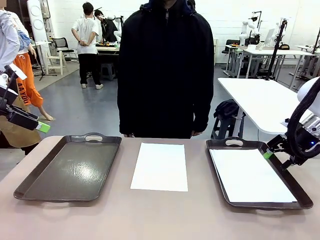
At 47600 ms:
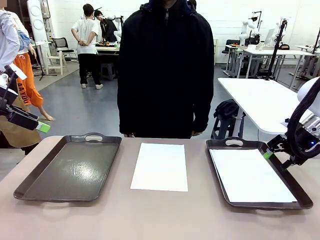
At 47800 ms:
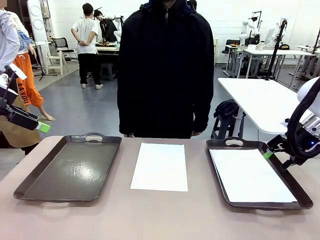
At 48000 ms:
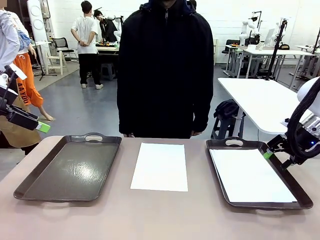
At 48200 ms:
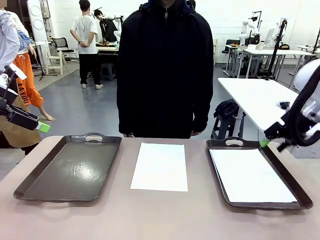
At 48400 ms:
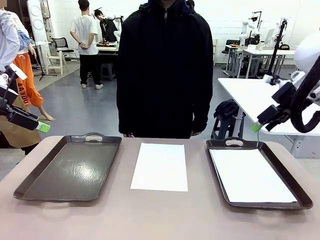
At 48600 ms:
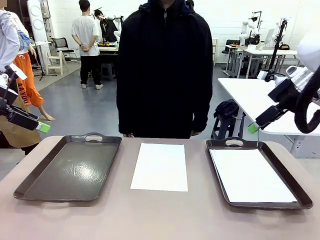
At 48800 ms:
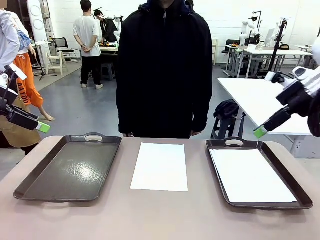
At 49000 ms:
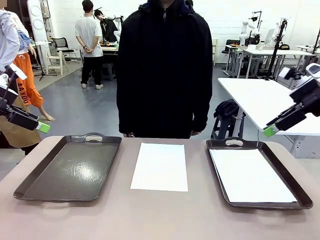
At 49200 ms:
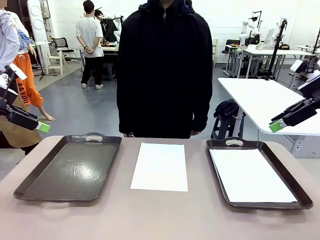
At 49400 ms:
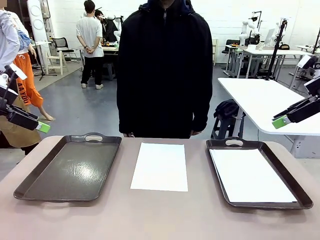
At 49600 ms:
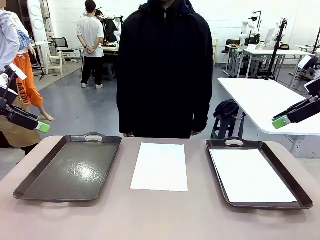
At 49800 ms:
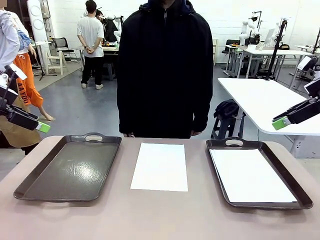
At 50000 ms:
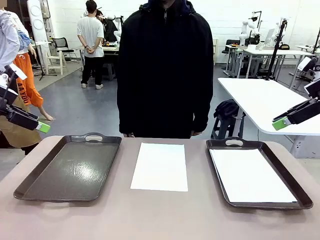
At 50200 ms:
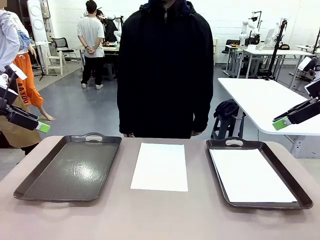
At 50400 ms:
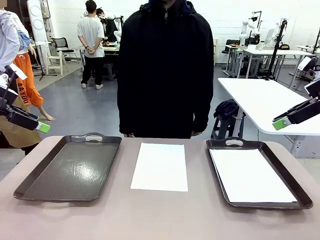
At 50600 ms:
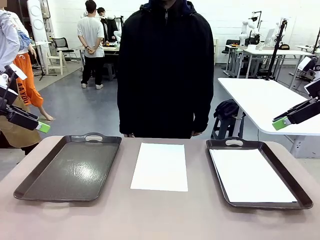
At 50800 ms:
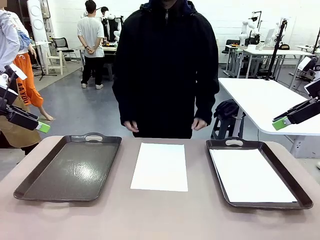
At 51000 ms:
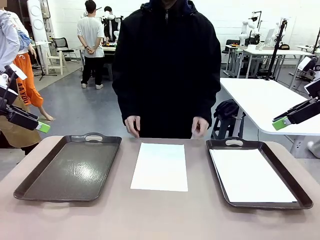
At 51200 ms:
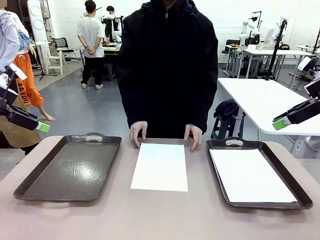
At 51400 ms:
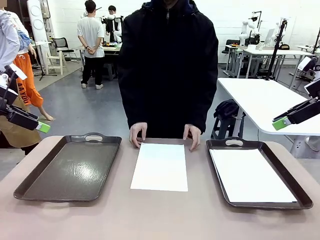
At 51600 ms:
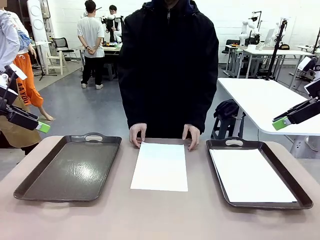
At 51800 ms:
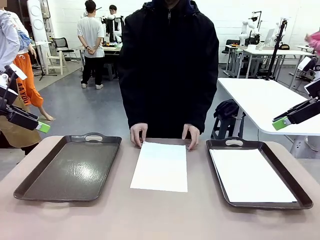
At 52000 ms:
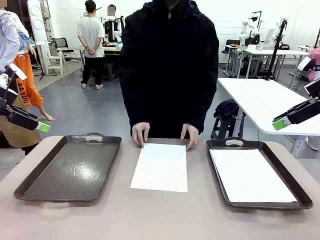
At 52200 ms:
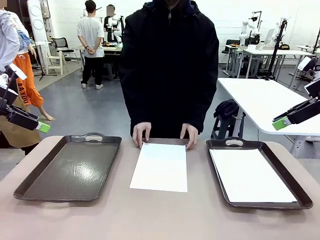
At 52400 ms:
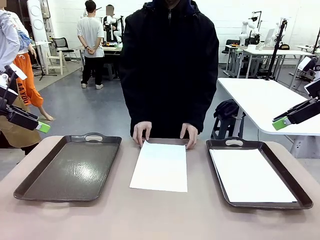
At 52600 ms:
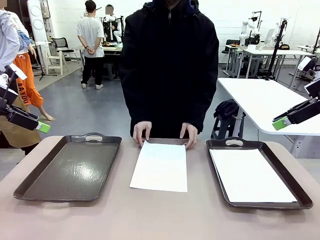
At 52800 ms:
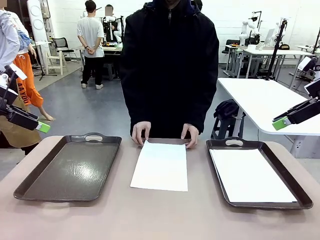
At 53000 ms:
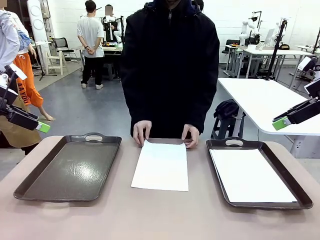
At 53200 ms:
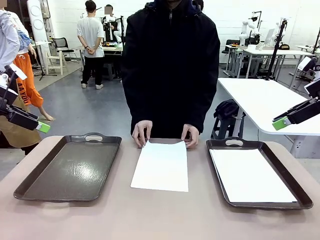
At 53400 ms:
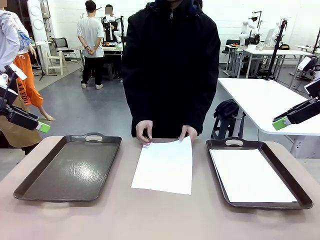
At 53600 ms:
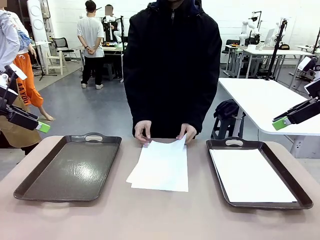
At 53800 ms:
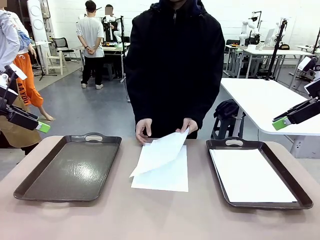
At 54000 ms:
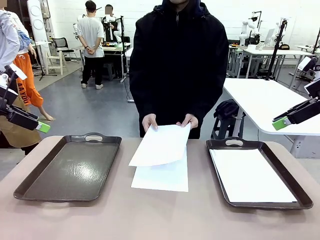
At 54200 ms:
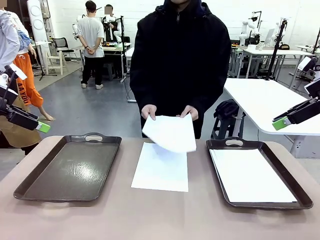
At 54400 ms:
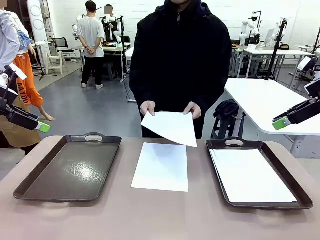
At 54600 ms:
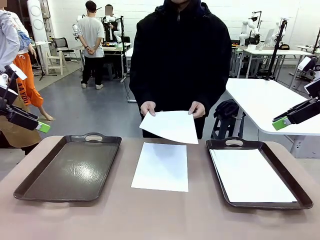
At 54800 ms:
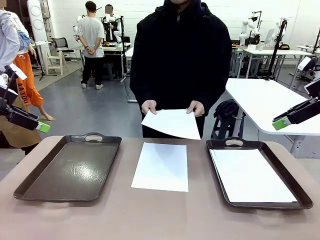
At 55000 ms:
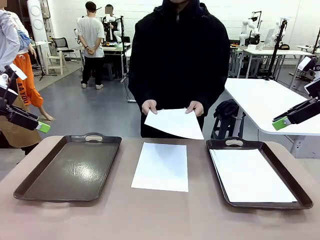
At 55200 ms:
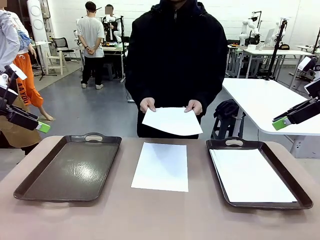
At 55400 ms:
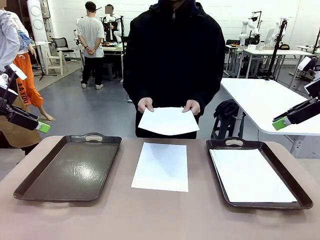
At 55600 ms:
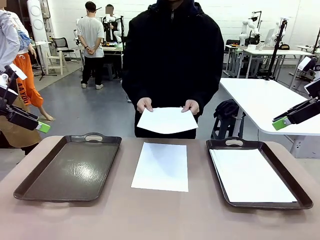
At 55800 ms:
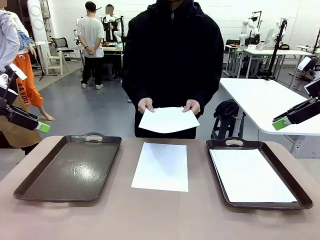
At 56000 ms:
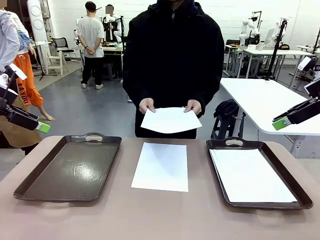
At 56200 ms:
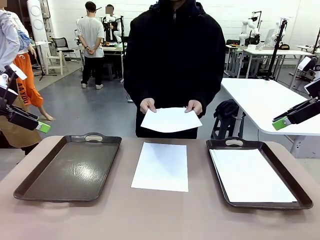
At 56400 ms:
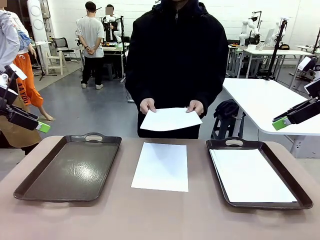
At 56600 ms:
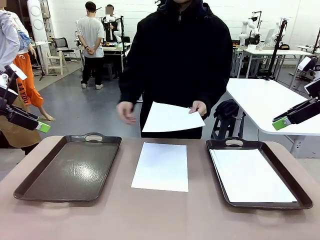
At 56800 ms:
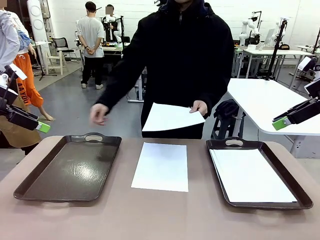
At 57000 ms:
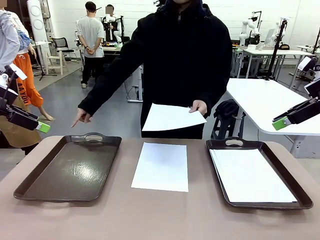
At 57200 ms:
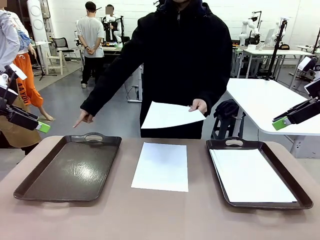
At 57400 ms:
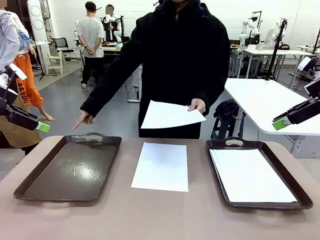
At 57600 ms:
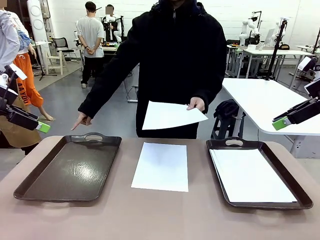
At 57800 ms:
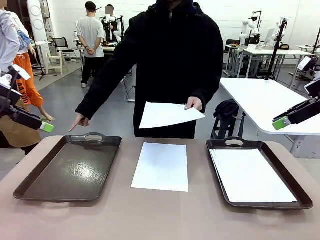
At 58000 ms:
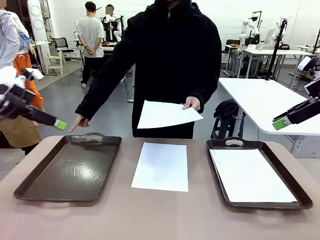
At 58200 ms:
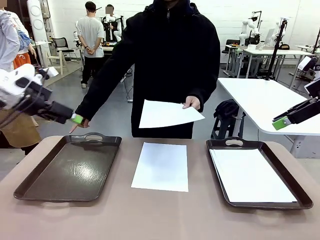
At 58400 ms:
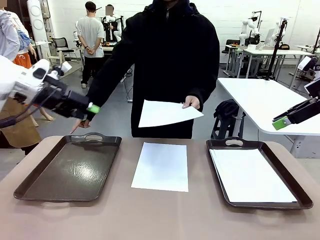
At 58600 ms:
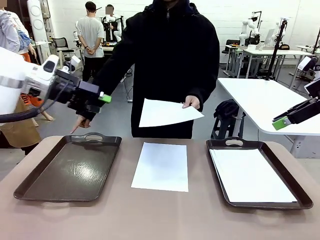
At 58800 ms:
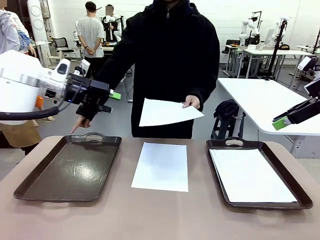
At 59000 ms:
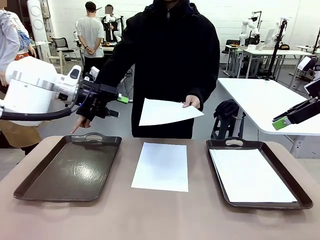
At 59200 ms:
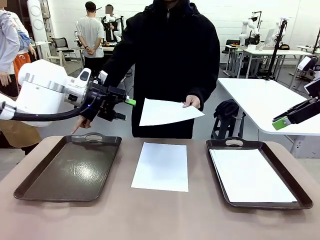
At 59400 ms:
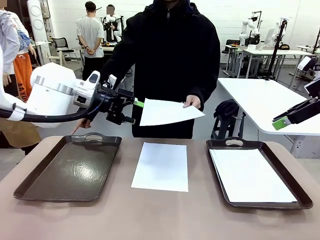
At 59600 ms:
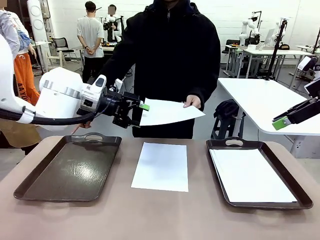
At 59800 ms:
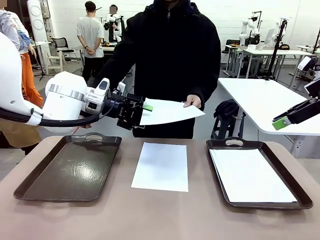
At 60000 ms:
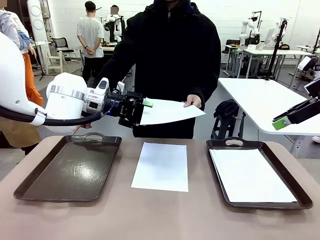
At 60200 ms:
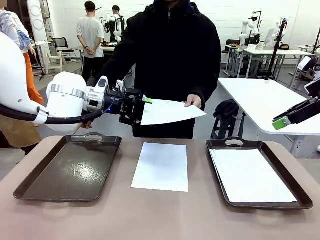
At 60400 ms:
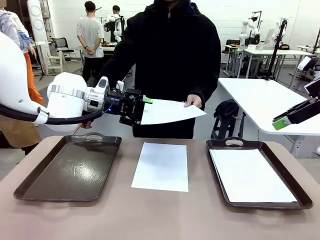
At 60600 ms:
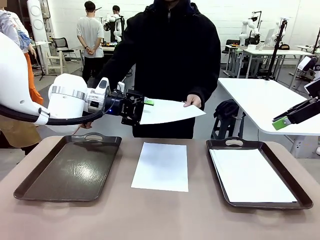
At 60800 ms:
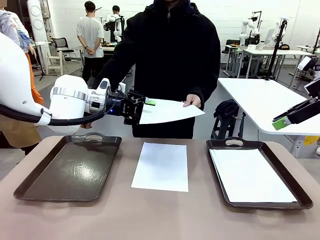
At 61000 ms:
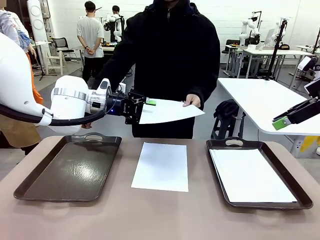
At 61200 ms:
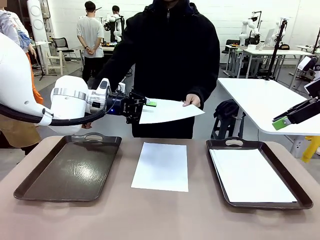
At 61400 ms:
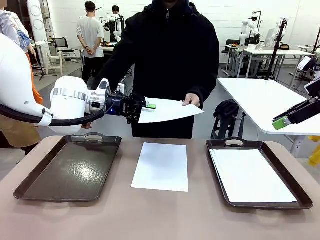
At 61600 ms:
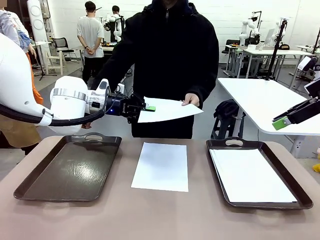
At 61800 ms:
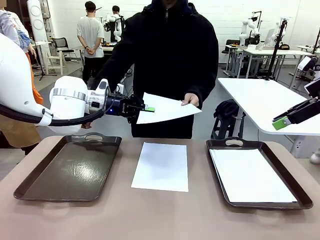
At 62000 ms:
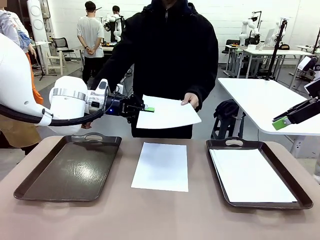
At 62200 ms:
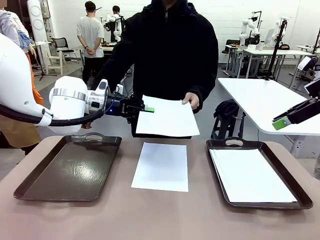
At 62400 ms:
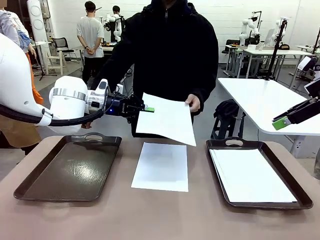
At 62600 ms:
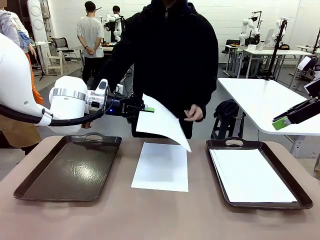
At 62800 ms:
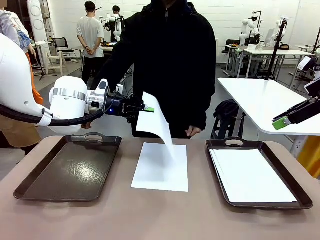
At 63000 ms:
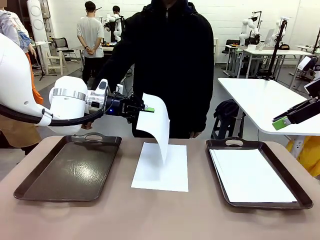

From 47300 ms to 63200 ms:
Task: Sort the A4 documents.
Robot: Receive the A4 Paper.
Person: Point the randomly selected tray with the other hand.

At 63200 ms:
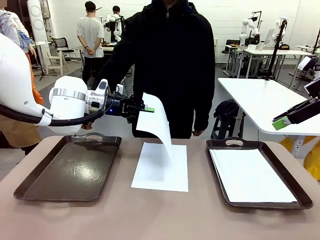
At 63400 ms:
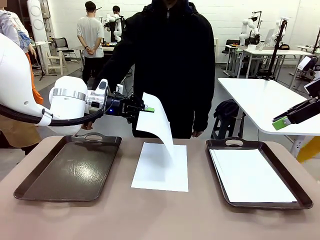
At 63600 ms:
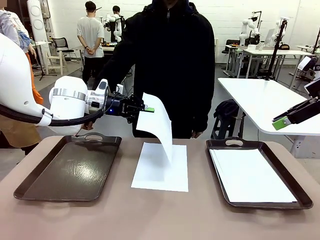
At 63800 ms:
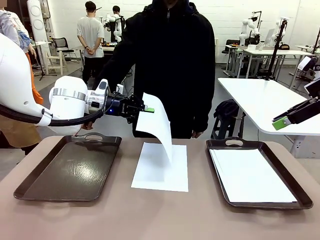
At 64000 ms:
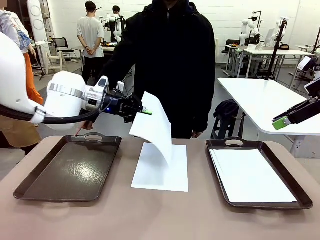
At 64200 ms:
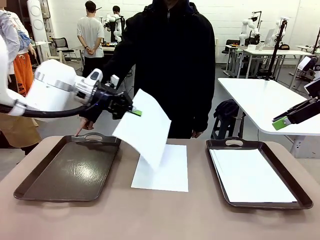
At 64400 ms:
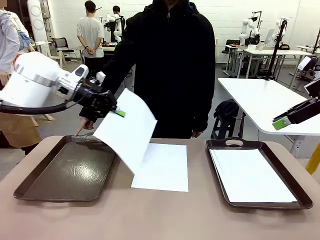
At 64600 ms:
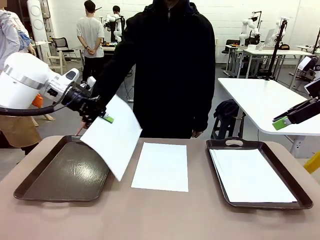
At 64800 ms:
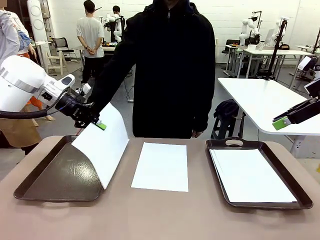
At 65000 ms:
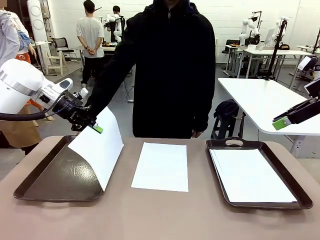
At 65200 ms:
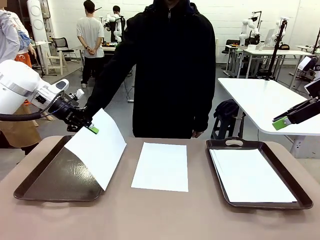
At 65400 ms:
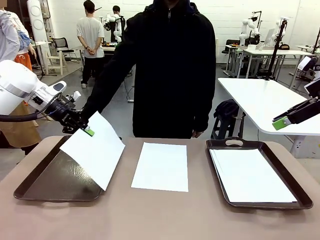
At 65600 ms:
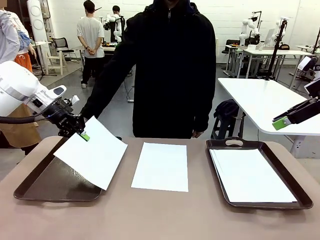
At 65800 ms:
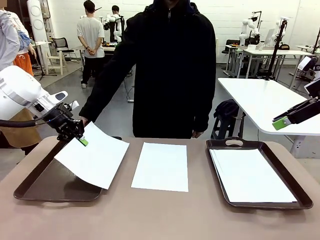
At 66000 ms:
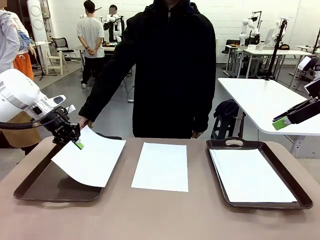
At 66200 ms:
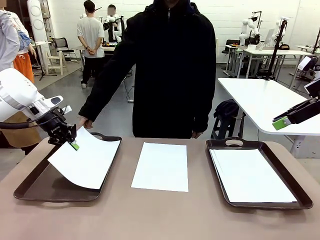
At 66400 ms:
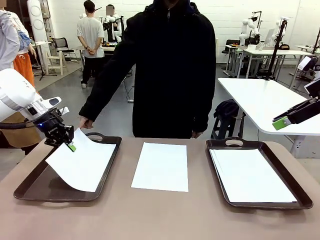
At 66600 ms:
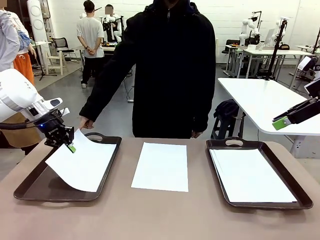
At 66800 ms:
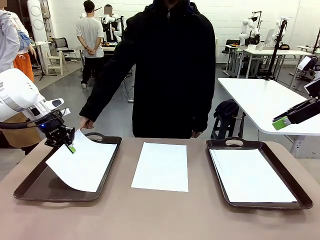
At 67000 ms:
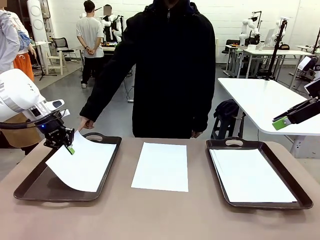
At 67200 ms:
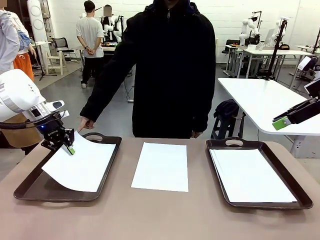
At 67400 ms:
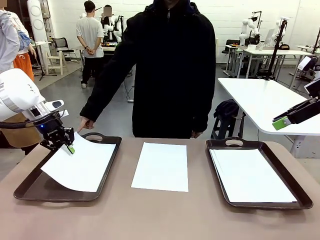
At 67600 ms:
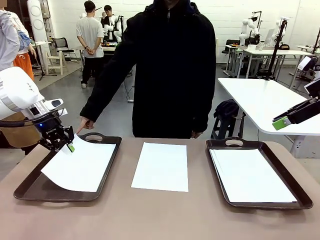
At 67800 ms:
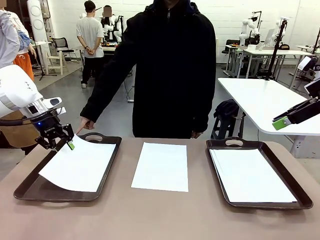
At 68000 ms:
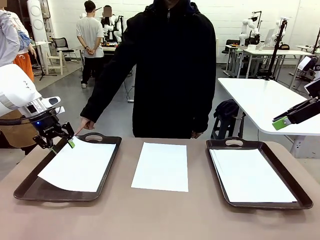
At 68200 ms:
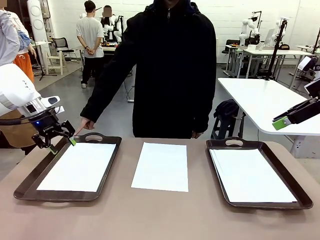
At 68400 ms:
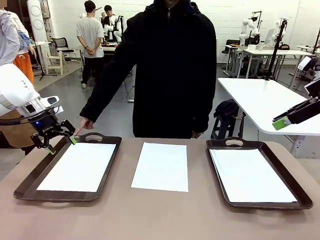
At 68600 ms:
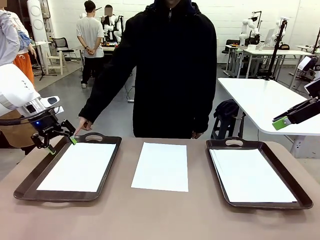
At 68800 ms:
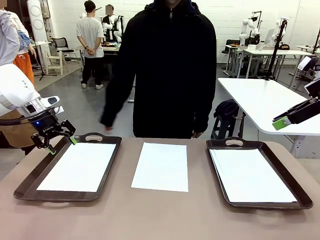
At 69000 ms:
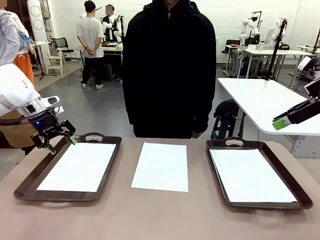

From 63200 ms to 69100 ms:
Robot: Place the A4 Paper in the designated Handle tray.
